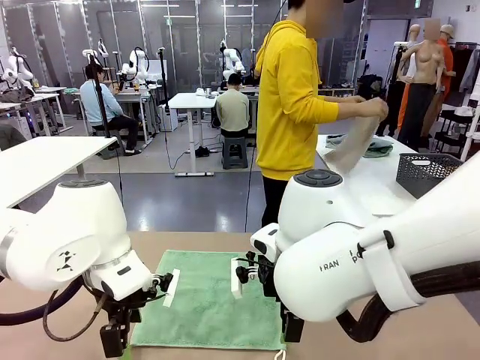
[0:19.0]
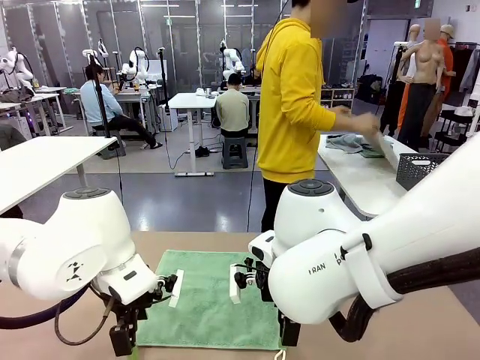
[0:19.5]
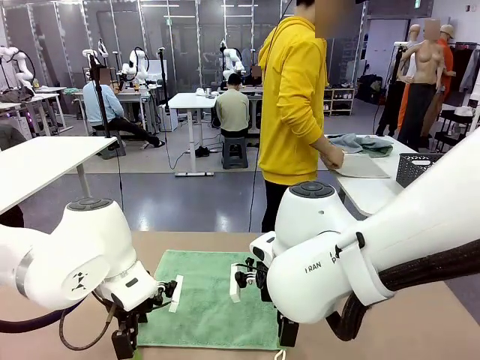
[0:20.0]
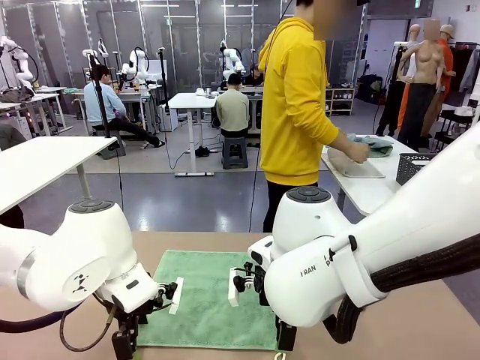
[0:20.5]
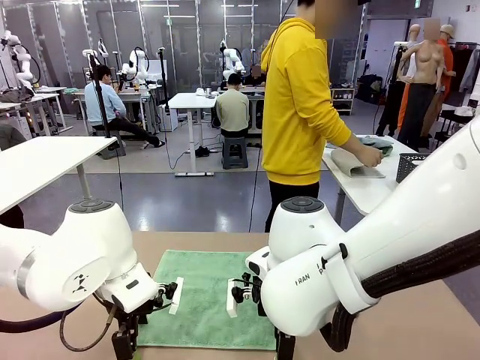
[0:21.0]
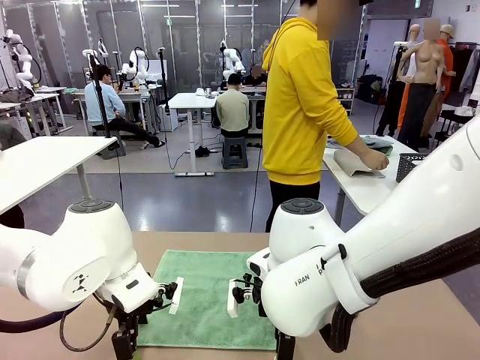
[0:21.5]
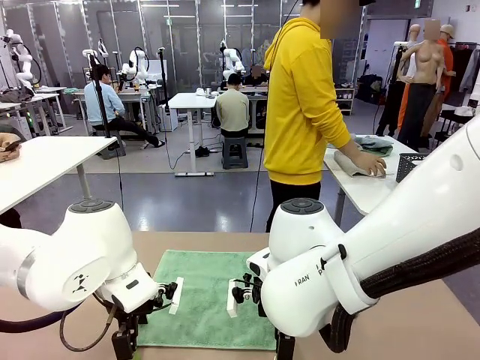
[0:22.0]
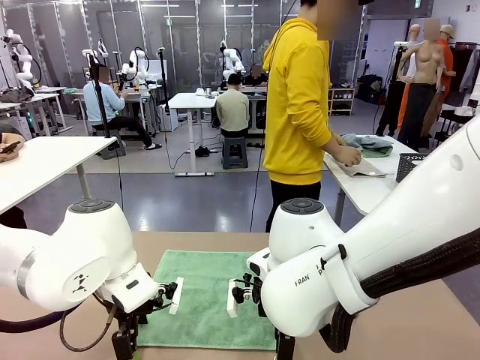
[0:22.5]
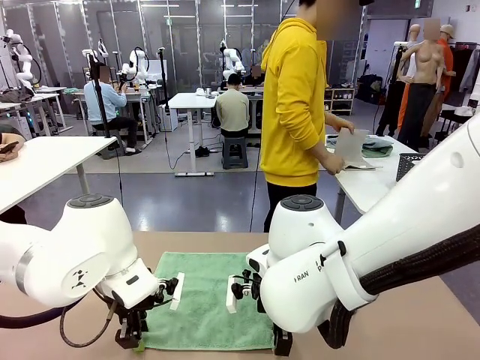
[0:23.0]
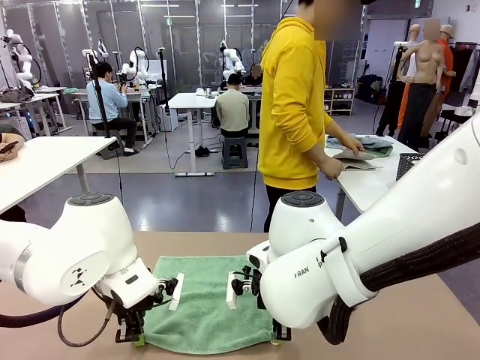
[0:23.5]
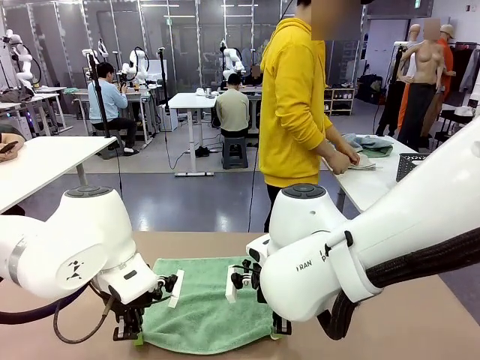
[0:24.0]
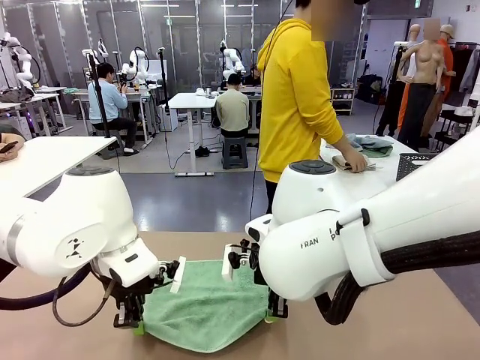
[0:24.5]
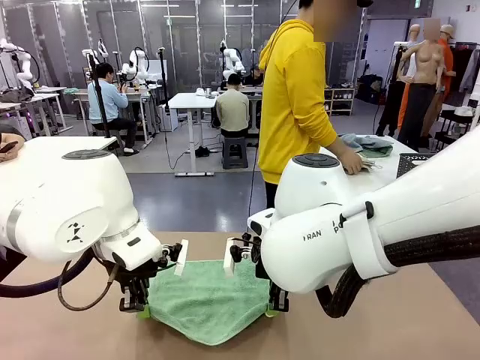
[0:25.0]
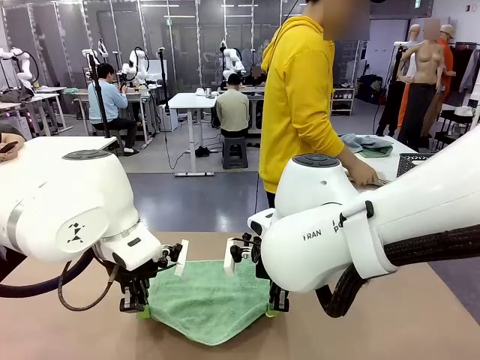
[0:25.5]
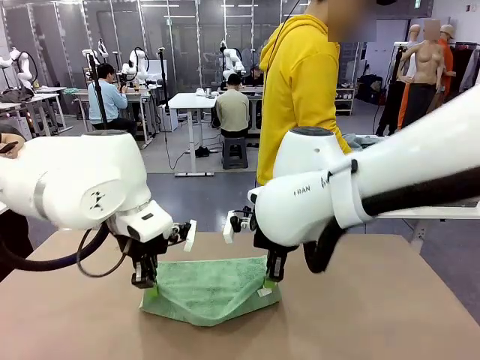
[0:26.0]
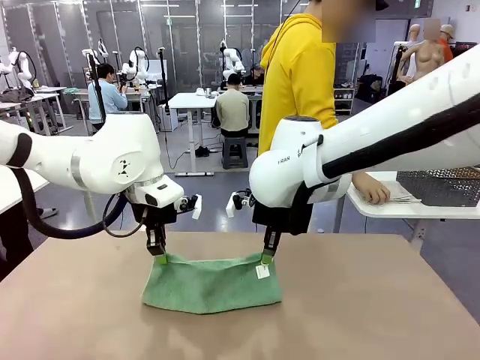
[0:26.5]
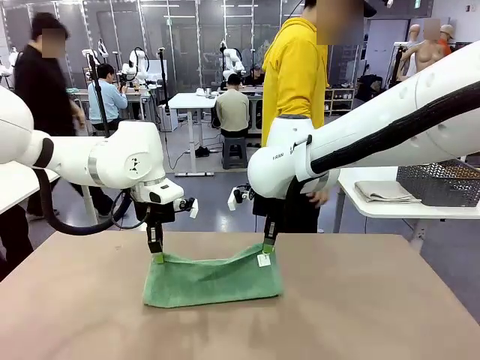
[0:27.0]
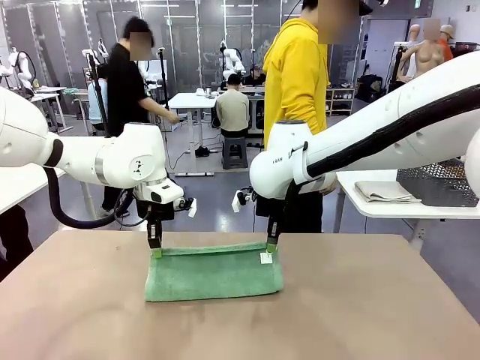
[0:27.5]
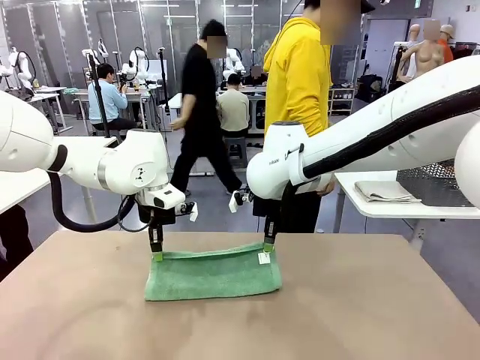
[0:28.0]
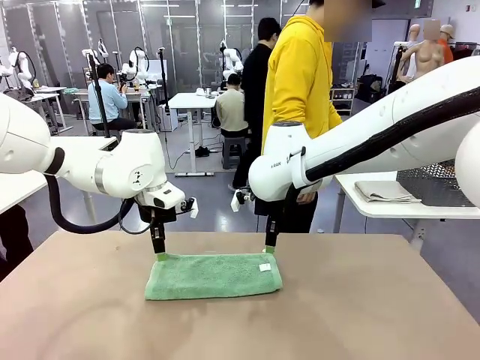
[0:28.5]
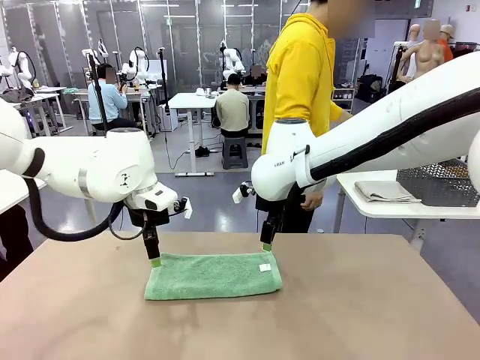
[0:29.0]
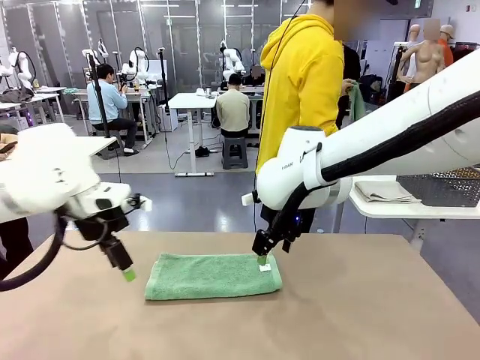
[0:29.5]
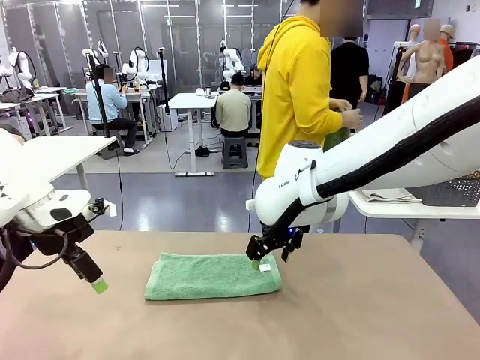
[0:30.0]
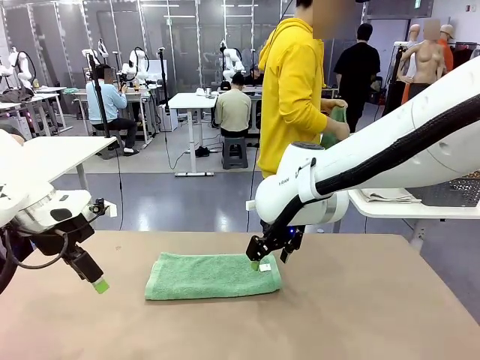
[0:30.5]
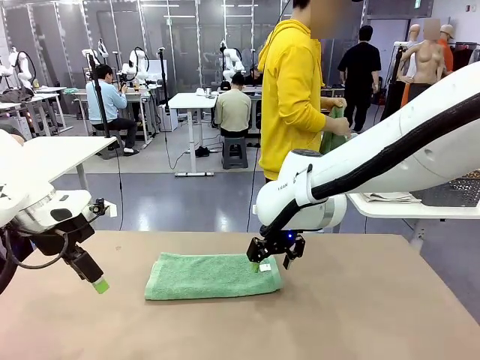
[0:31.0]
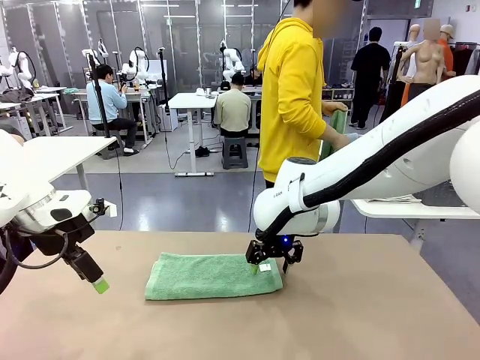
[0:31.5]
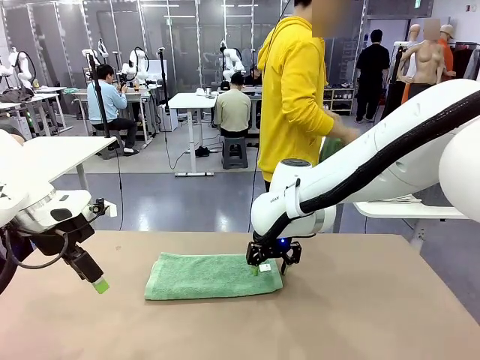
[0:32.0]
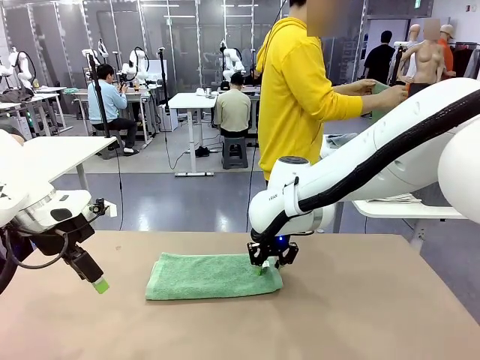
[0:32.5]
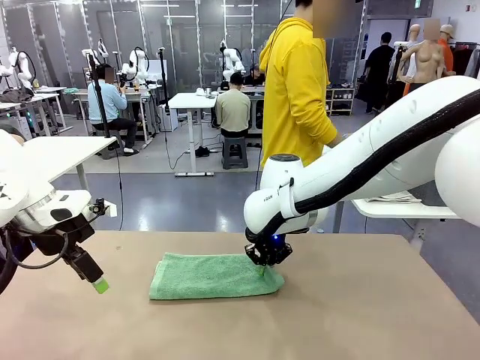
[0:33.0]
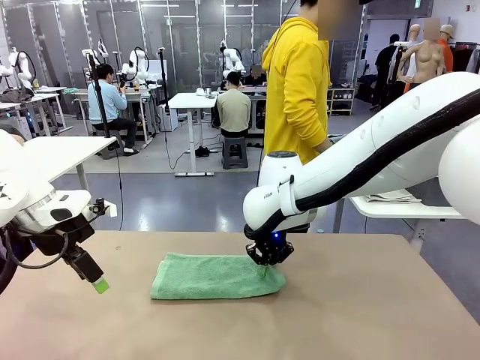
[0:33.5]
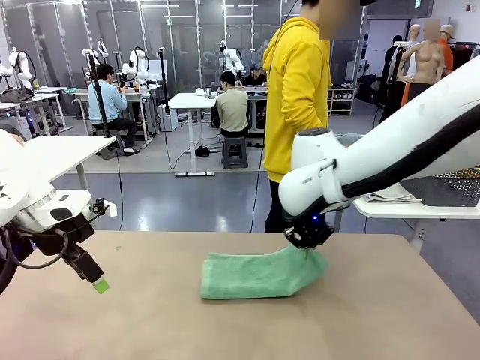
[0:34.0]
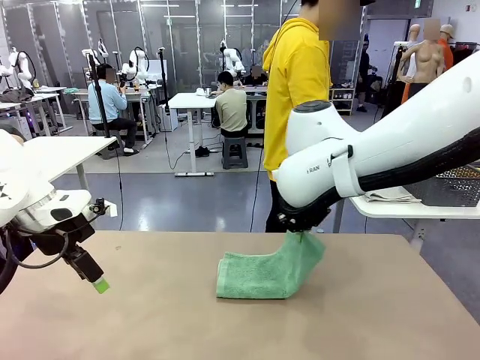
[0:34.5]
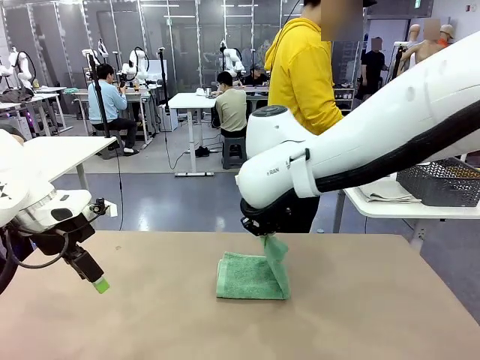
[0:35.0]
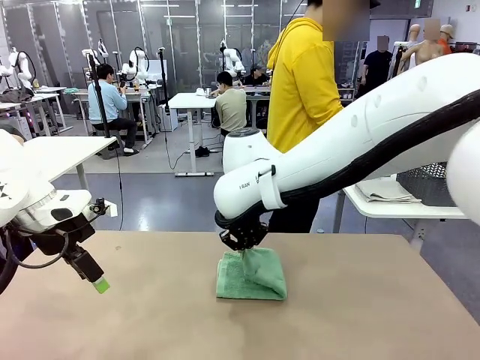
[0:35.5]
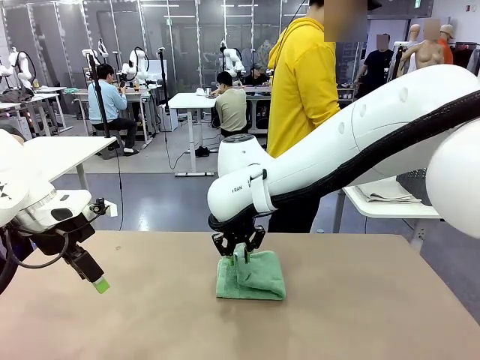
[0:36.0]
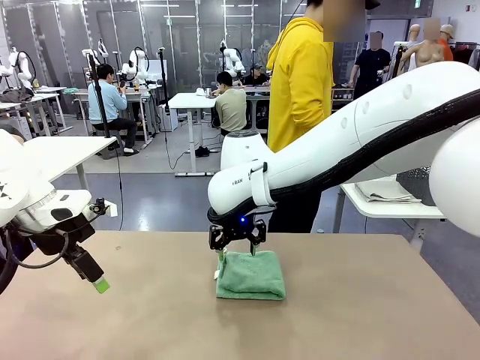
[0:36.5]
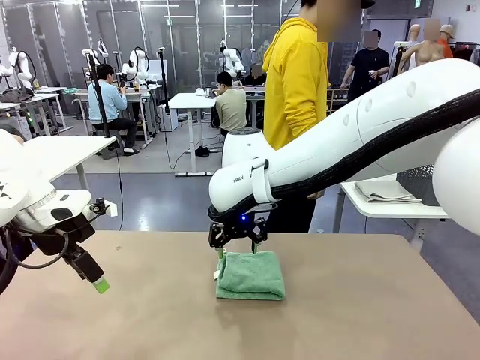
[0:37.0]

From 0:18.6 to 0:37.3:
Task: Fold the towels and place them in the basket.
Robot: When a person lays out a Towel with hook on the table, fold it in half twice.
Person: Pick up one towel from the left side of the human table, fold it in half twice, and place it on the right side of the table. Pick up one towel from the left side of the human table, fold it in half twice, and stack it on the right side of the table.

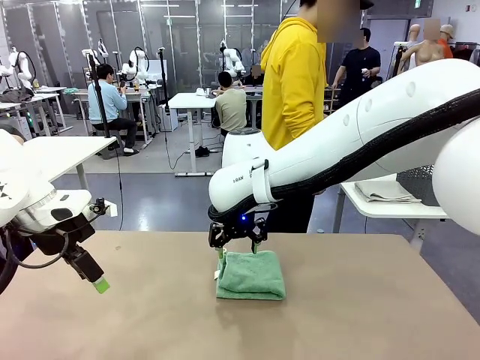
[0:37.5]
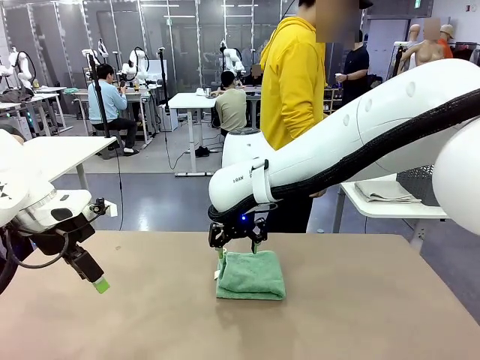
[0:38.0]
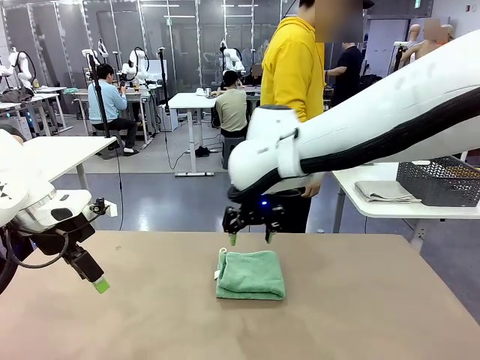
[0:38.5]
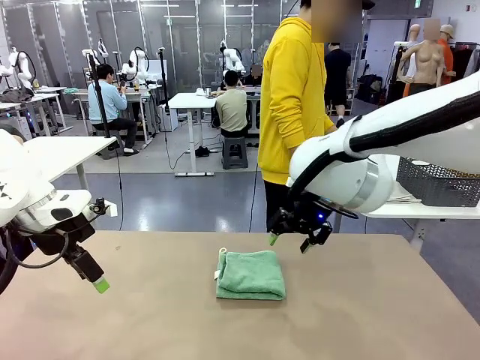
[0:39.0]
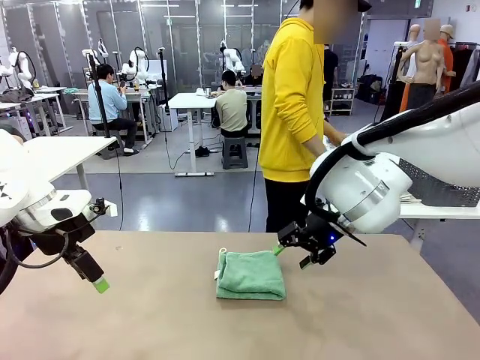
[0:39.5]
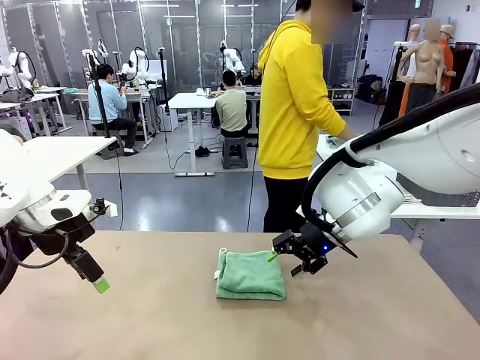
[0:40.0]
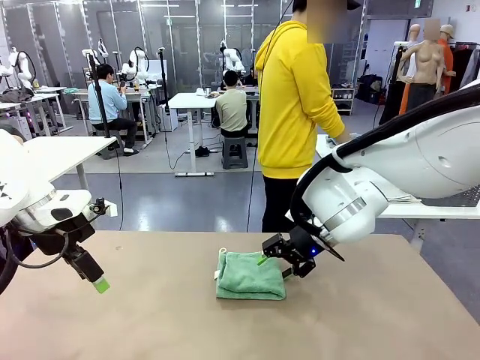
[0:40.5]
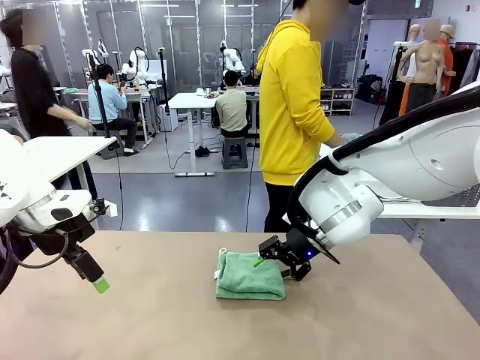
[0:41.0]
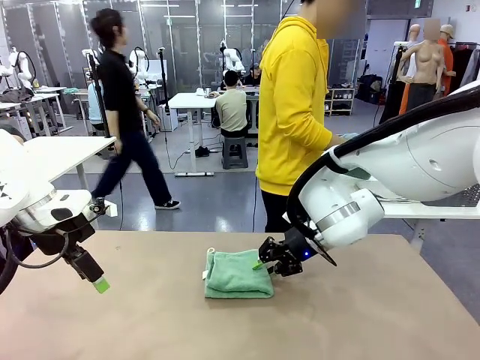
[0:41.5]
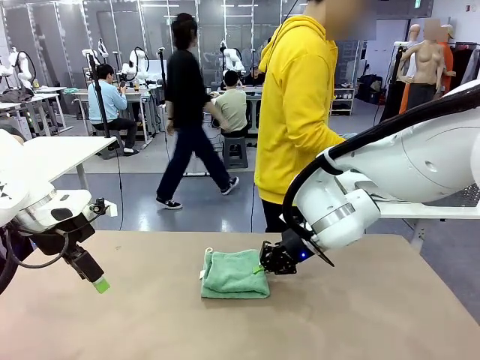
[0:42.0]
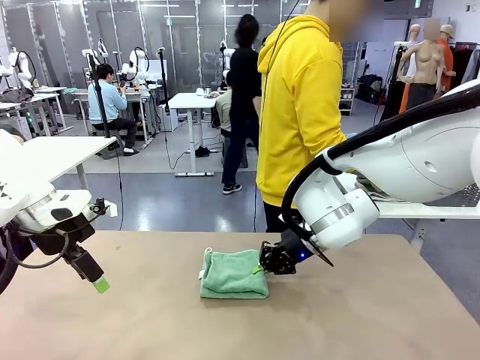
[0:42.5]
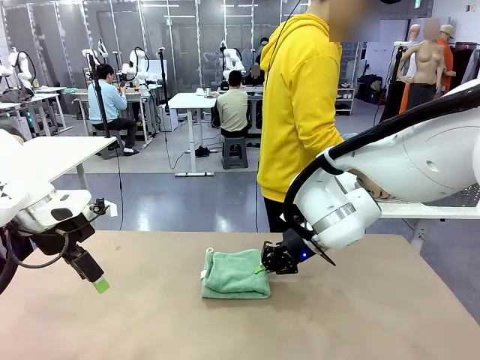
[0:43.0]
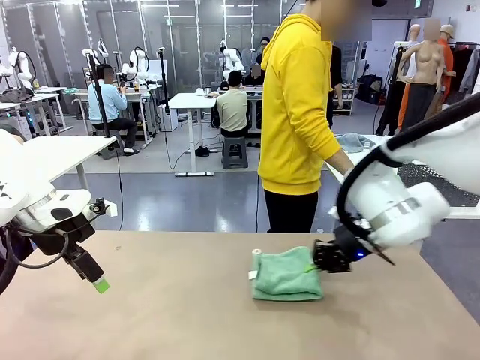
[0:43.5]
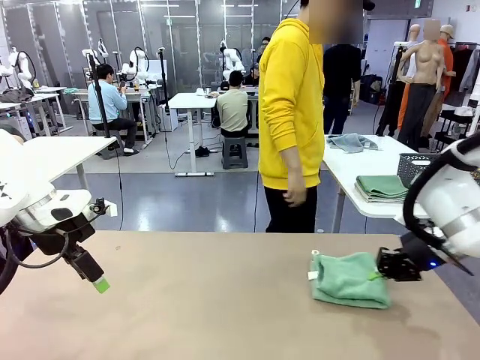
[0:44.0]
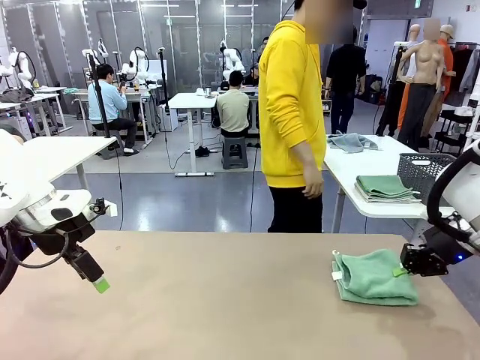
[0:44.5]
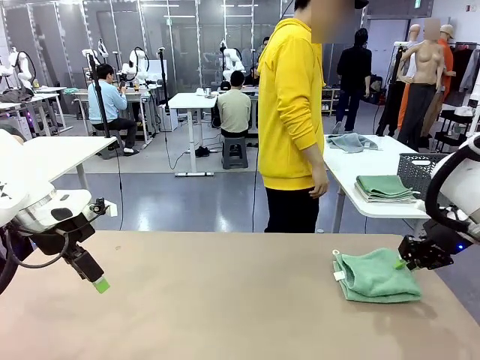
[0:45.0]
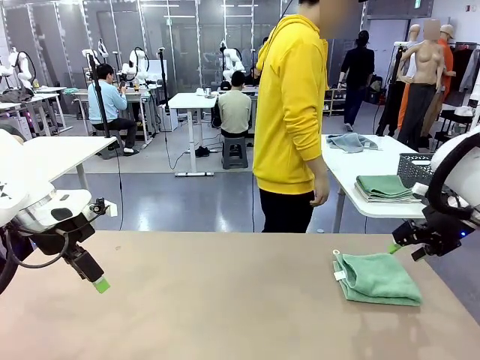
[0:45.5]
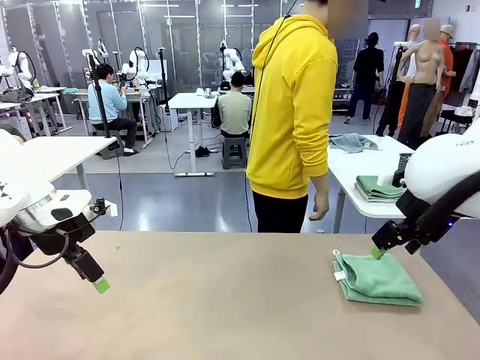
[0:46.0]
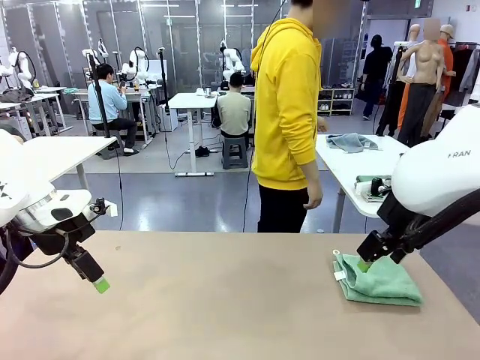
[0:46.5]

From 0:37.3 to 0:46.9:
Robot: Place the folded Towel with hook on the right side of the table.
